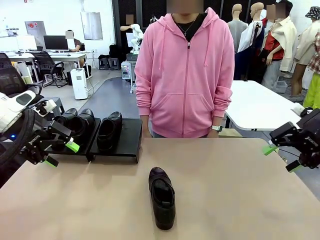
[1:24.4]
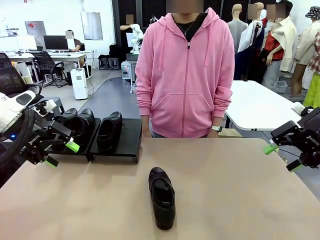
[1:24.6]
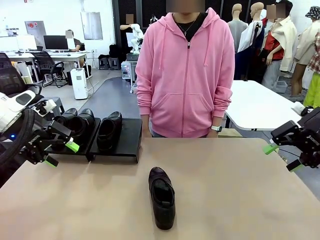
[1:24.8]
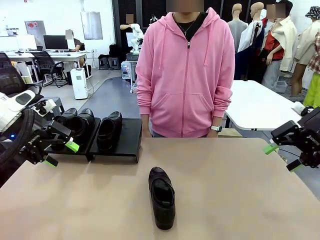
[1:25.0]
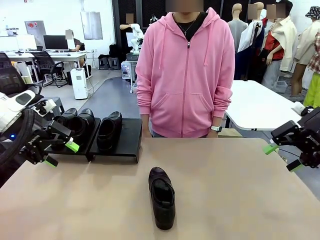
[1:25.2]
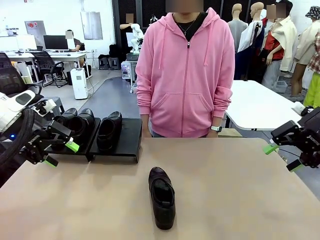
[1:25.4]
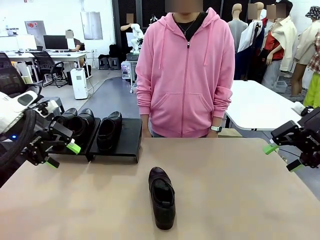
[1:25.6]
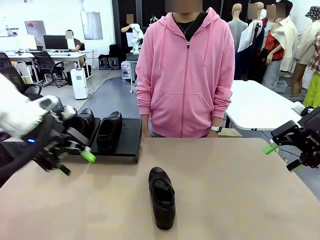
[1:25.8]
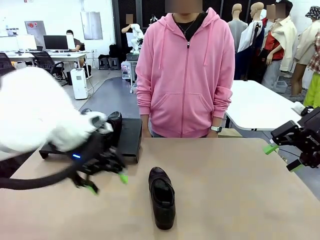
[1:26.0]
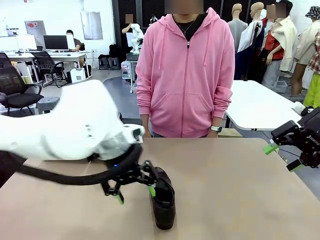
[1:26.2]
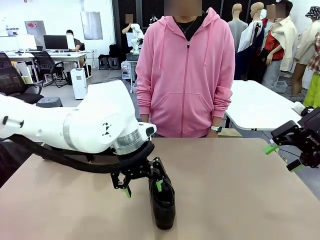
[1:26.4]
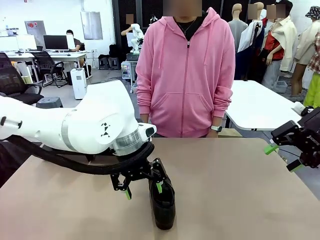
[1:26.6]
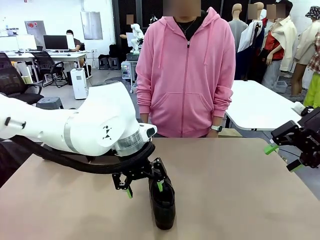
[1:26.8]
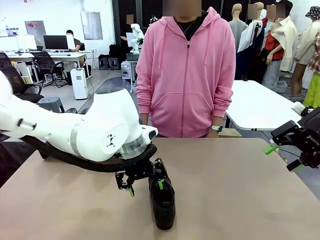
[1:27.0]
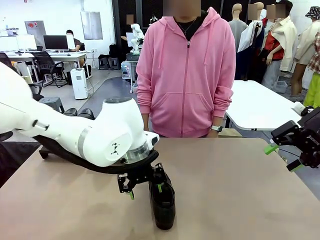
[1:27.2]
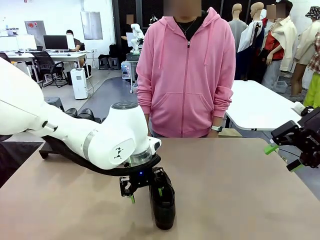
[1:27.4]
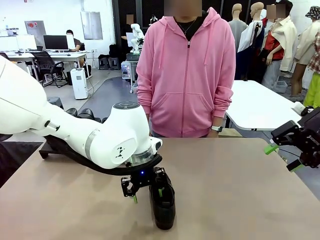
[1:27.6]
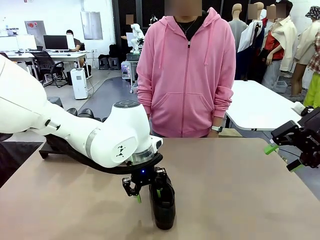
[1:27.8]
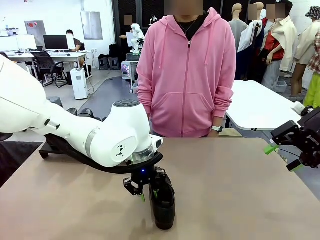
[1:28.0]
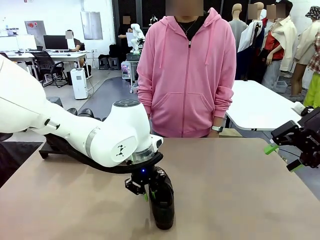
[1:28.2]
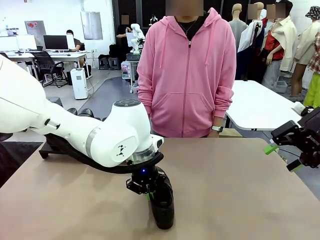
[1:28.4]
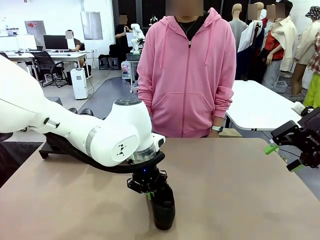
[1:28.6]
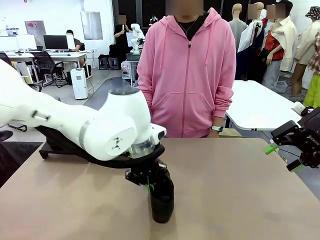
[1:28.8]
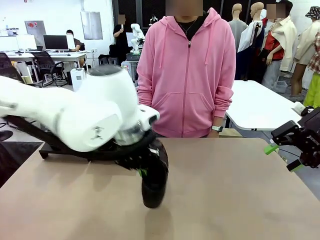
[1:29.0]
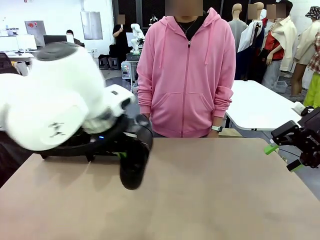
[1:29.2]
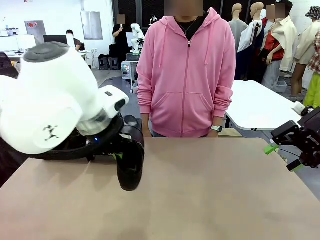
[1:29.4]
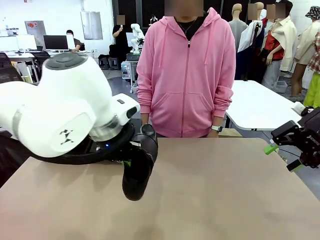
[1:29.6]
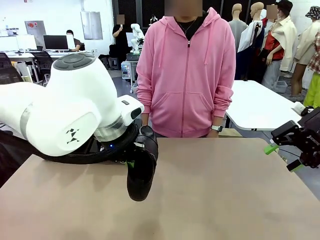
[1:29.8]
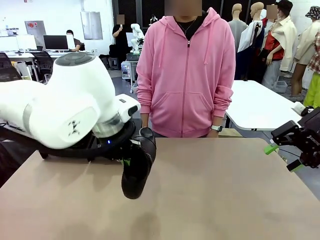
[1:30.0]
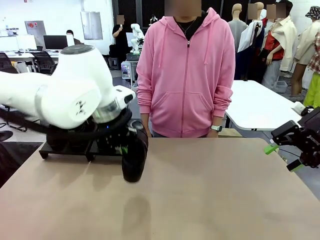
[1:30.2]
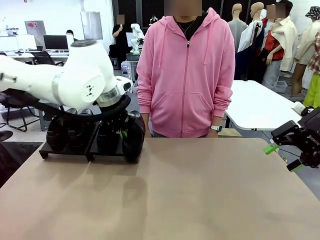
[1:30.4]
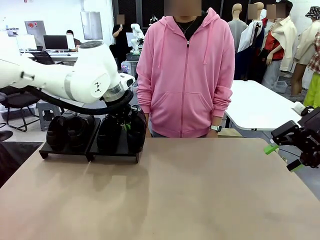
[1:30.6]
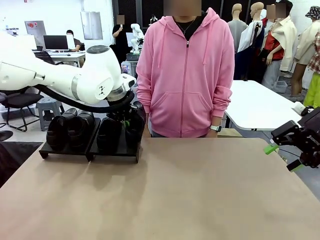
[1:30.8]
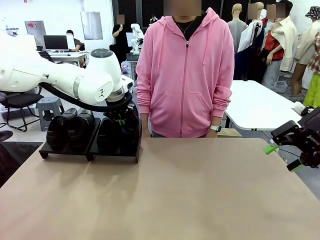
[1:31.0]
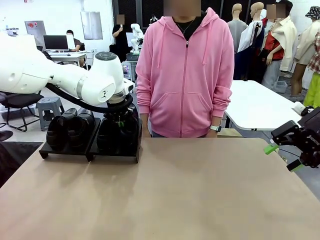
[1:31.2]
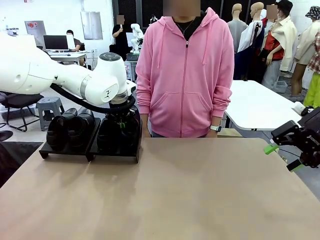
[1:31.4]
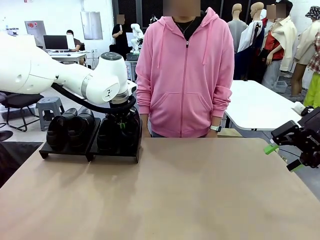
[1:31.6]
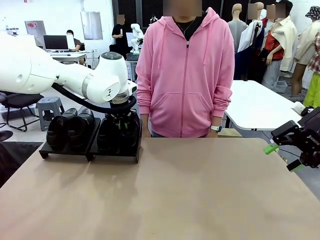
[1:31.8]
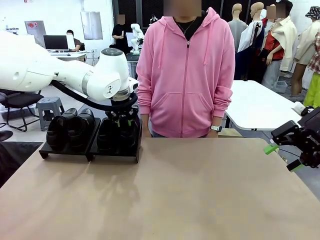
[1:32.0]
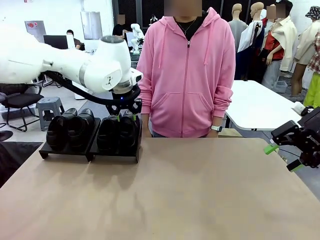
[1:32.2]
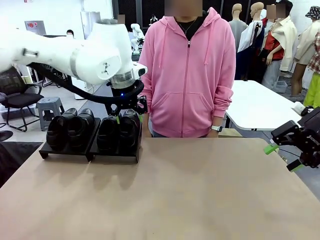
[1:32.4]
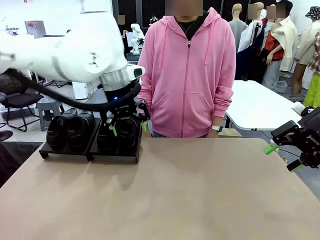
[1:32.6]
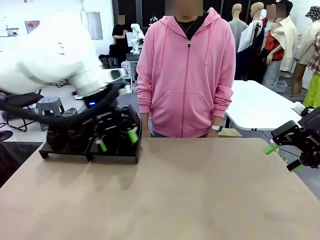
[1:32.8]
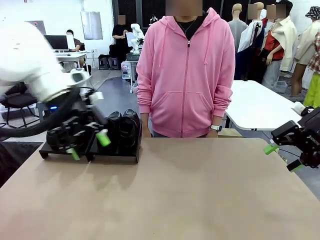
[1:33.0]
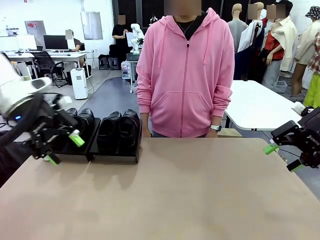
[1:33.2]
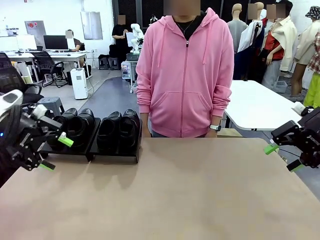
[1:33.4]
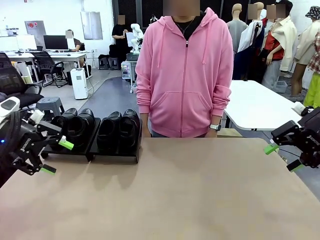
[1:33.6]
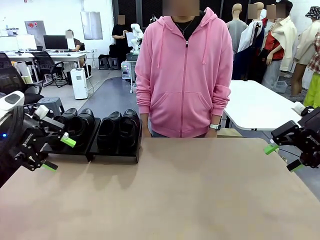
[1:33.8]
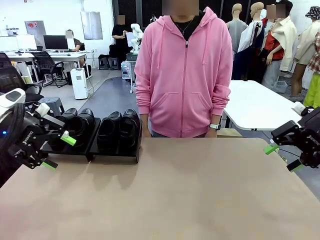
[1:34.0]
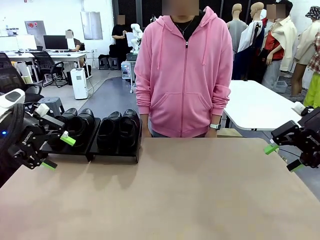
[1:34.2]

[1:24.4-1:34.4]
Task: Organize the shoes by placing them on the stand.
Robot: Place the Shoe from the middle of the table onto the Shoes Stand.

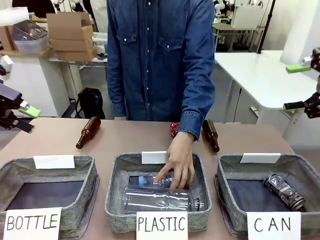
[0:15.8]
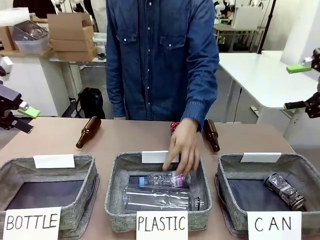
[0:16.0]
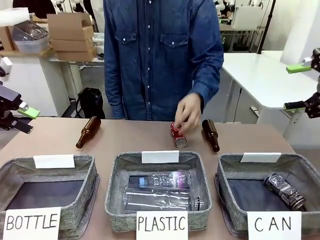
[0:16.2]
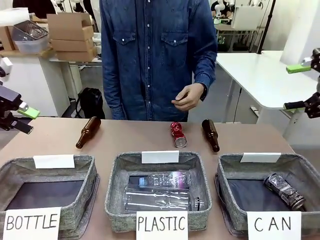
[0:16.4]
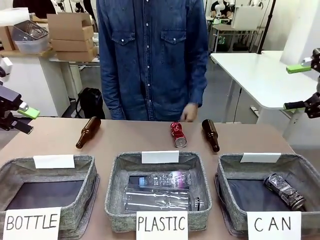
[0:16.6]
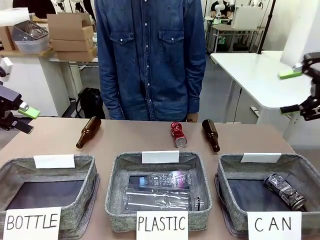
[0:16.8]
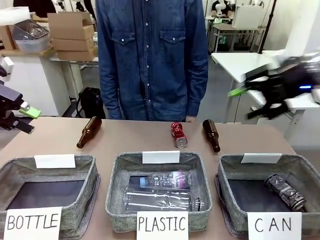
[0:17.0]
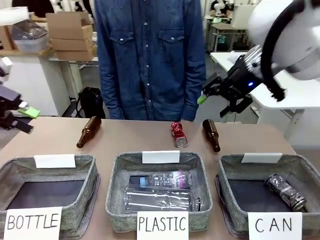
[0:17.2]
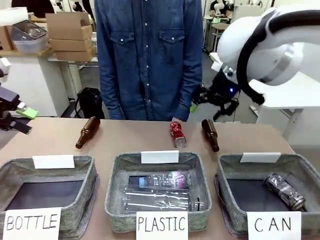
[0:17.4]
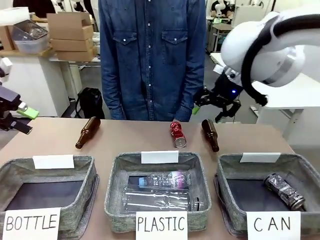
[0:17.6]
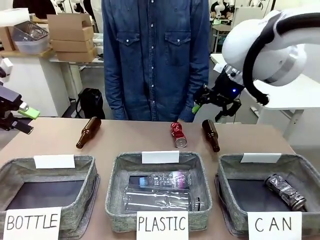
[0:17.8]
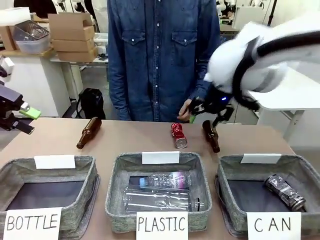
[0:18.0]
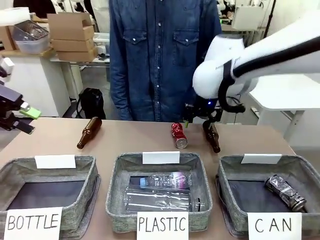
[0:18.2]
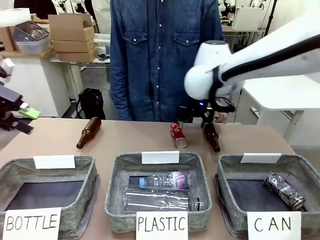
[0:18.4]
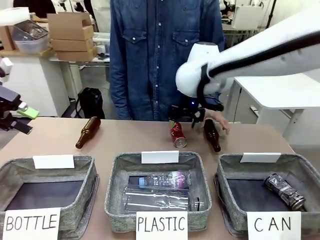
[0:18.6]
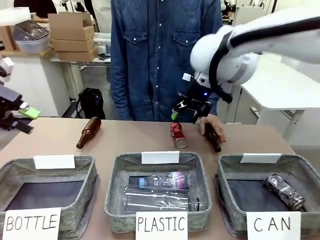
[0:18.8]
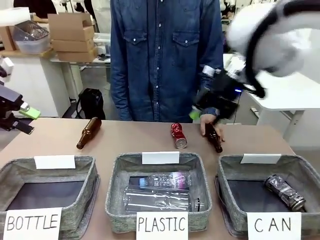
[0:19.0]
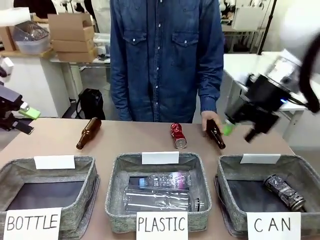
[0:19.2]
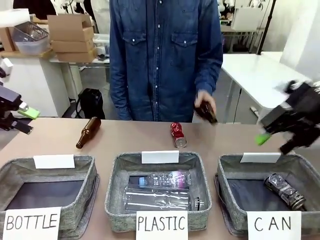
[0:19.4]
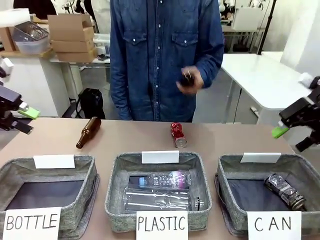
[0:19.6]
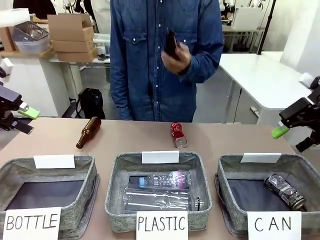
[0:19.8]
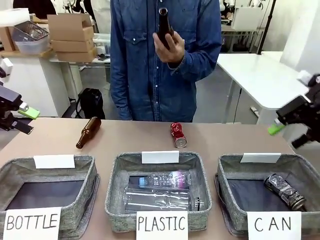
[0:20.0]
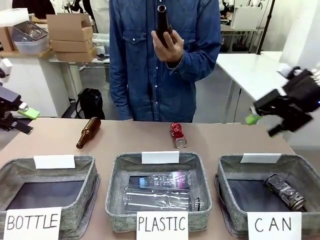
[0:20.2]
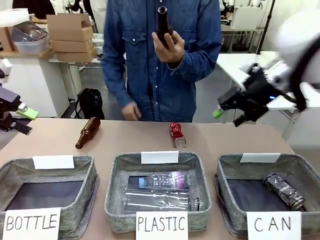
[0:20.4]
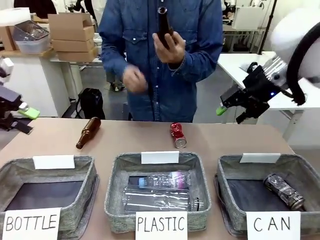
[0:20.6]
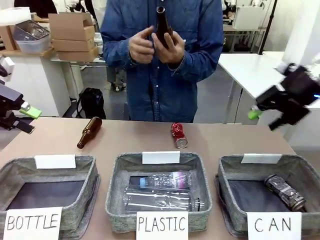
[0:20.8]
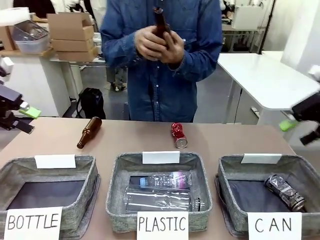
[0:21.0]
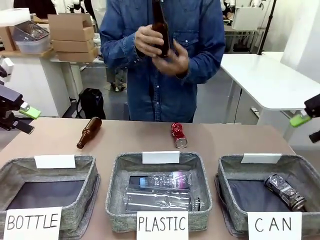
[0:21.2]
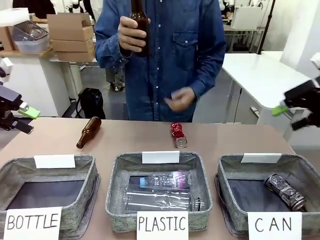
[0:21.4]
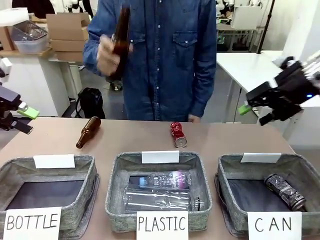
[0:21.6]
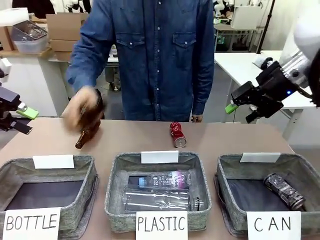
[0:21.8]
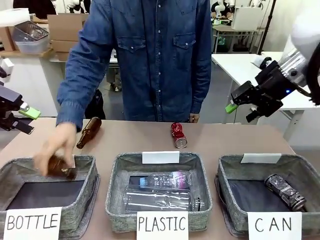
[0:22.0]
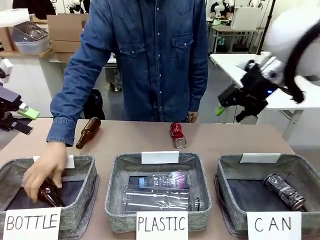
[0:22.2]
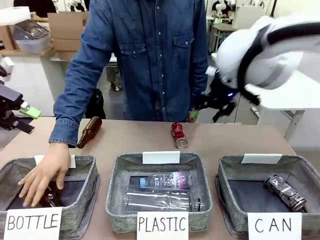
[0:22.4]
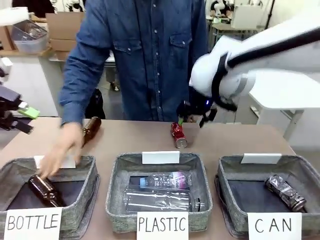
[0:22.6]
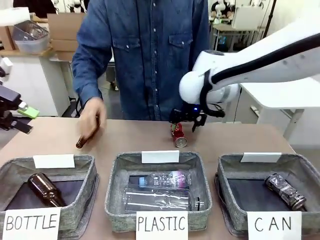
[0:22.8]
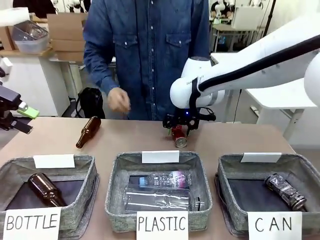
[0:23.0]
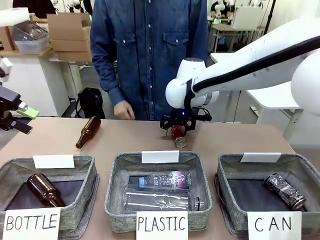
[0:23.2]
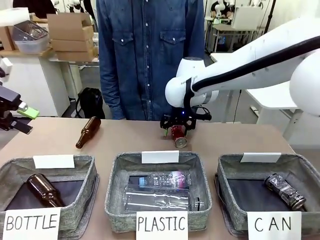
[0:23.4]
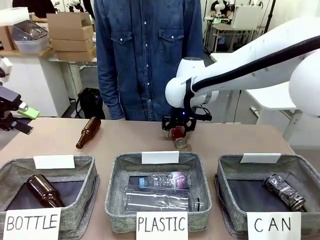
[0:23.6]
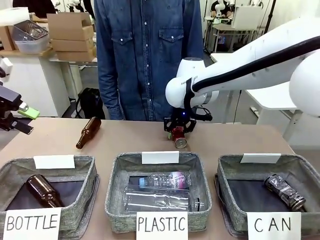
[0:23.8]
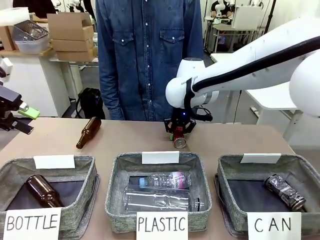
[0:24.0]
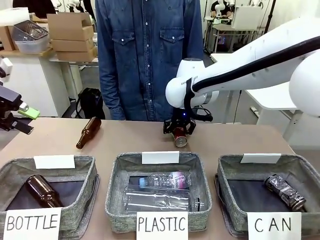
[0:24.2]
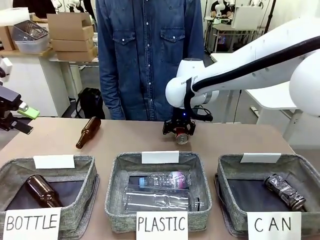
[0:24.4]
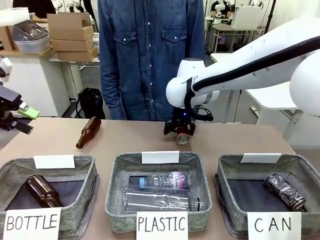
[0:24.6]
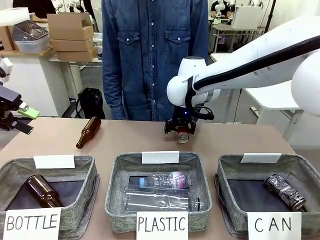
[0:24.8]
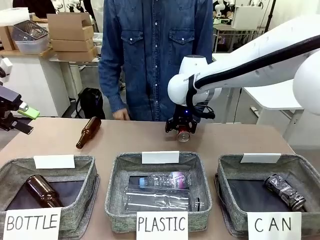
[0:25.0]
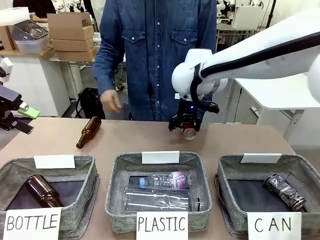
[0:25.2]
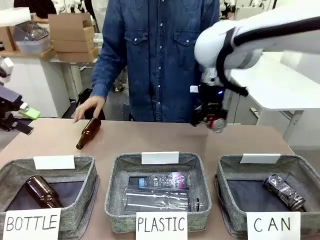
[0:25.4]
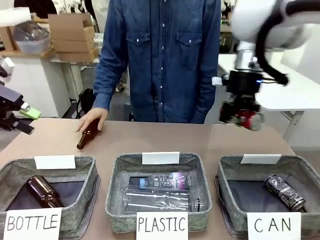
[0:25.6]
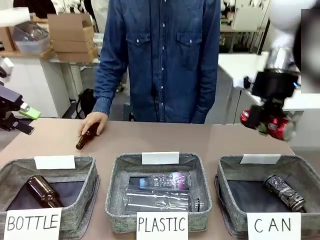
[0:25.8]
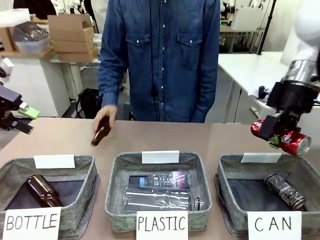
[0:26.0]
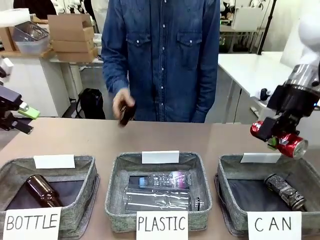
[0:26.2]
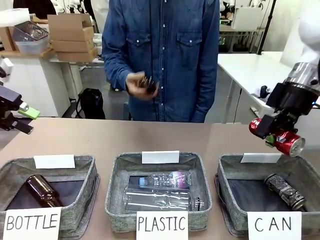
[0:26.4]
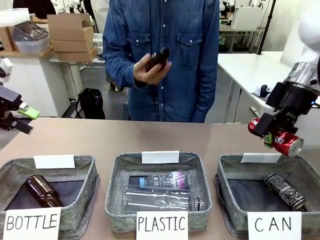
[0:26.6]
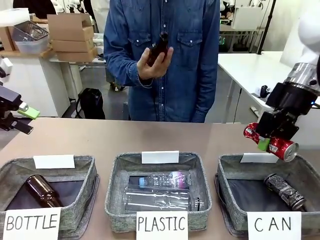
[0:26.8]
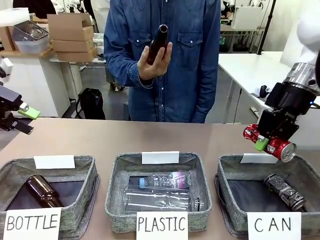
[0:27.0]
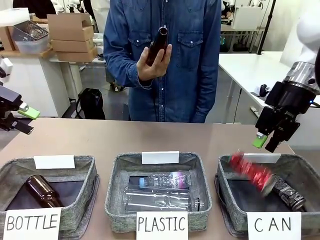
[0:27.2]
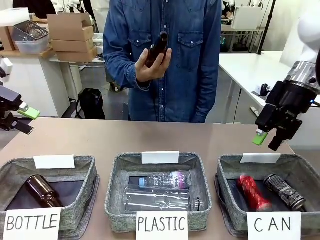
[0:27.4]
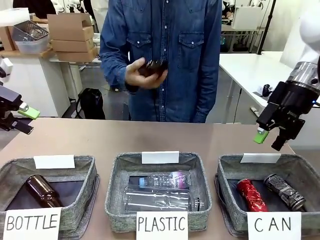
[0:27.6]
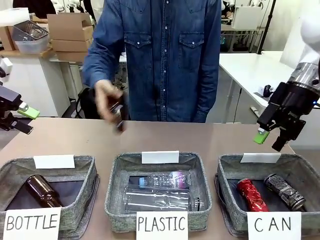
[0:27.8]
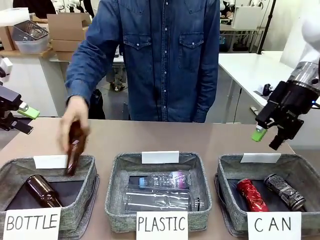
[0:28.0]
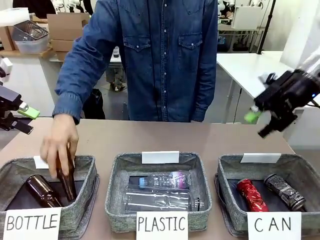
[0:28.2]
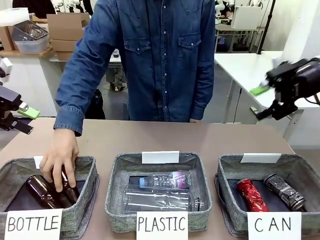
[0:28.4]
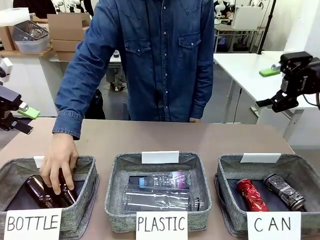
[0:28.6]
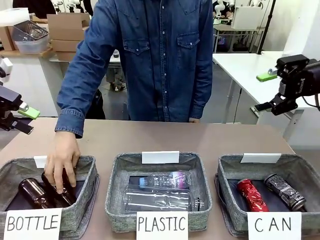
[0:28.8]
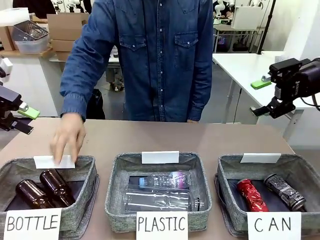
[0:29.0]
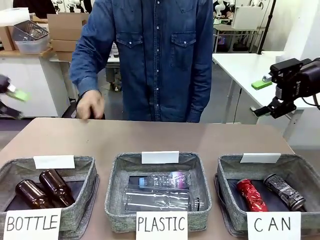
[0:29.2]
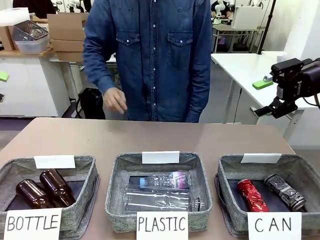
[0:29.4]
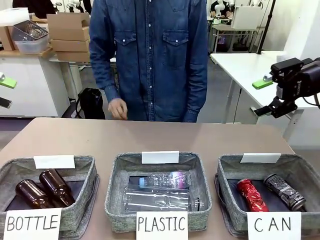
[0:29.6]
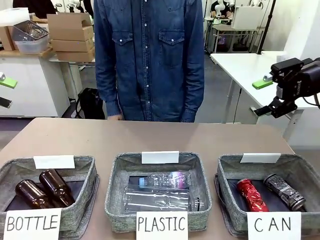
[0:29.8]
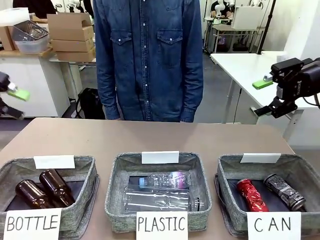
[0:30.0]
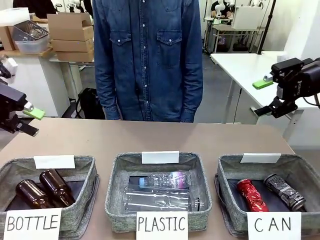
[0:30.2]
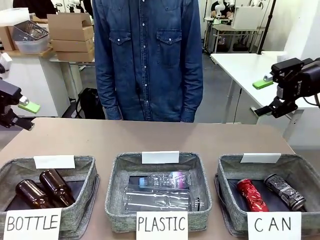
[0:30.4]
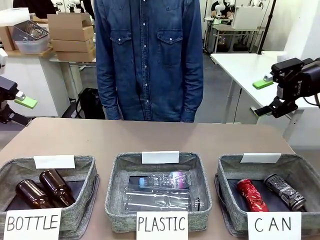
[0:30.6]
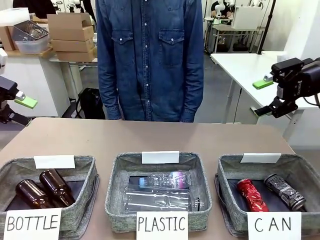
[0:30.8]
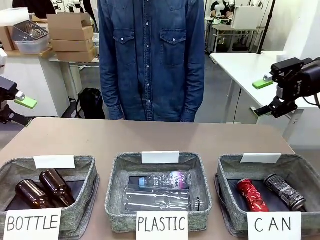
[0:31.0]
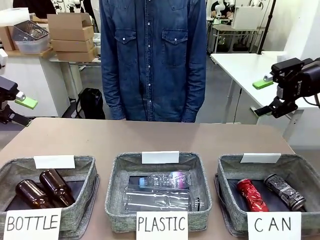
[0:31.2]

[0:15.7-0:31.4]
Task: Sort the can waste into the basket.
Robot: Pick up the can waste from the table and place it in the right Fabric basket.
